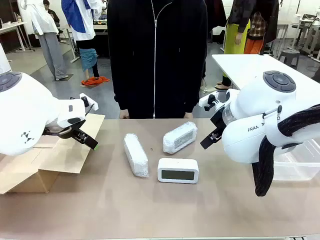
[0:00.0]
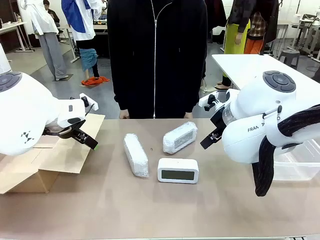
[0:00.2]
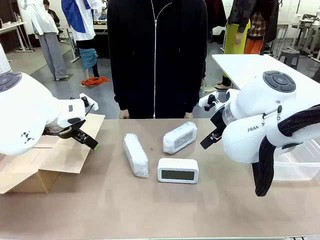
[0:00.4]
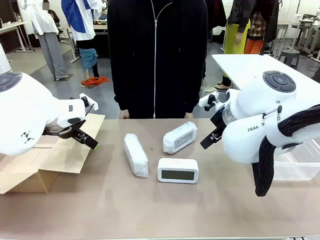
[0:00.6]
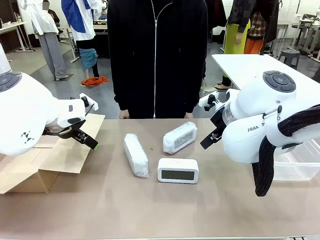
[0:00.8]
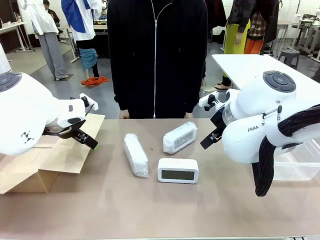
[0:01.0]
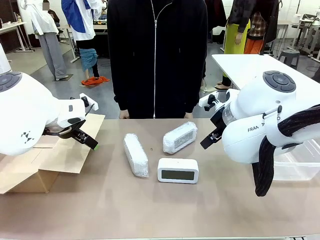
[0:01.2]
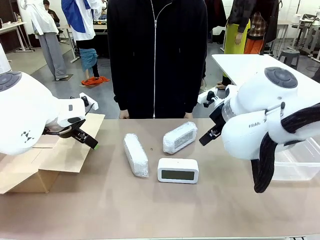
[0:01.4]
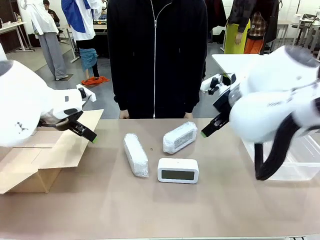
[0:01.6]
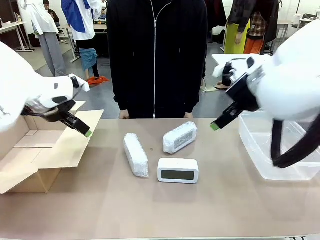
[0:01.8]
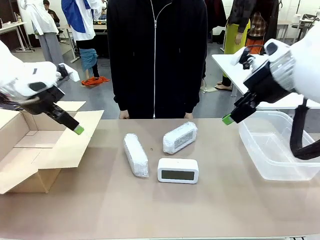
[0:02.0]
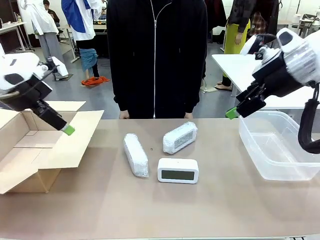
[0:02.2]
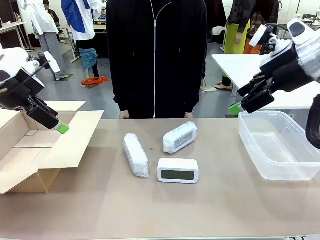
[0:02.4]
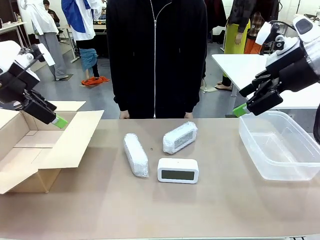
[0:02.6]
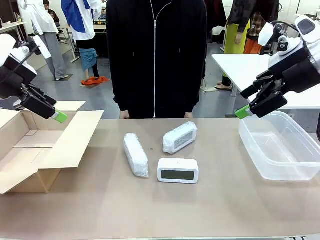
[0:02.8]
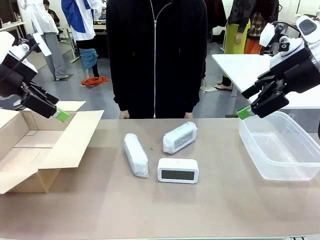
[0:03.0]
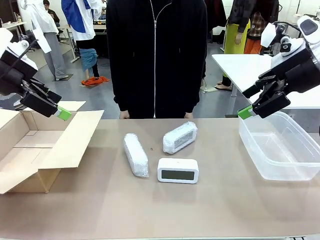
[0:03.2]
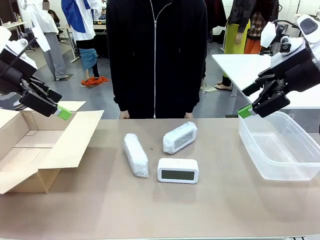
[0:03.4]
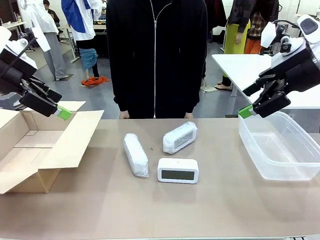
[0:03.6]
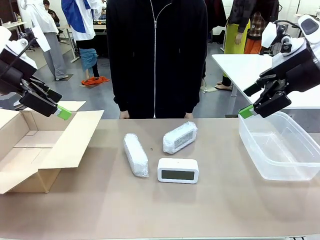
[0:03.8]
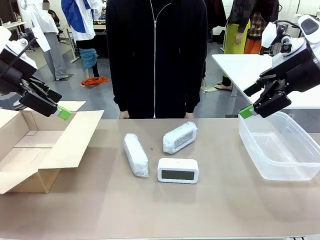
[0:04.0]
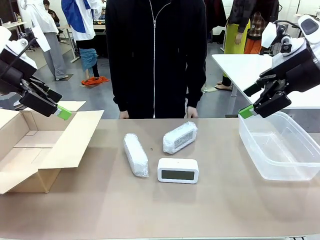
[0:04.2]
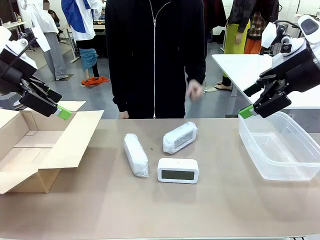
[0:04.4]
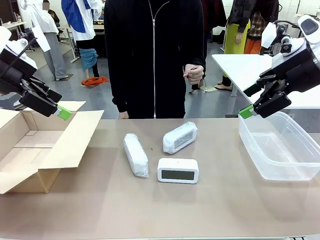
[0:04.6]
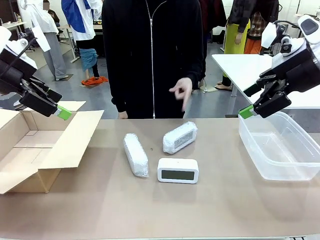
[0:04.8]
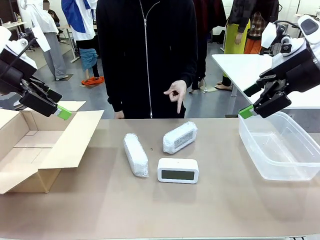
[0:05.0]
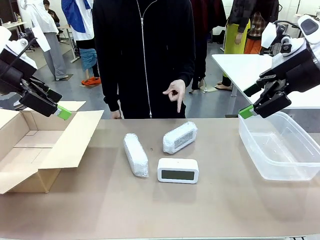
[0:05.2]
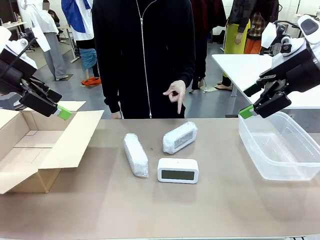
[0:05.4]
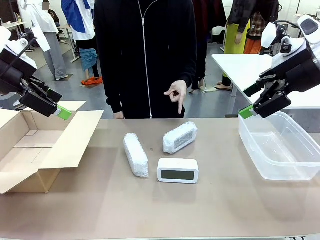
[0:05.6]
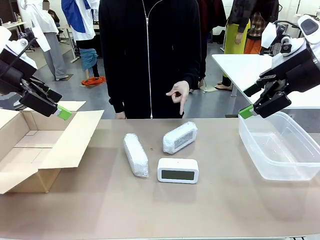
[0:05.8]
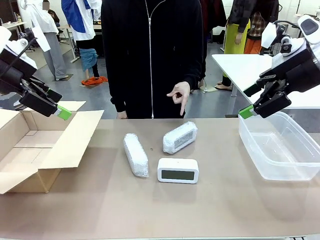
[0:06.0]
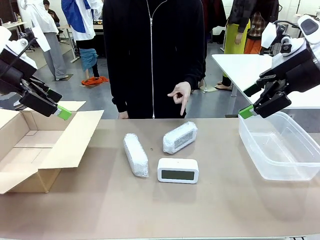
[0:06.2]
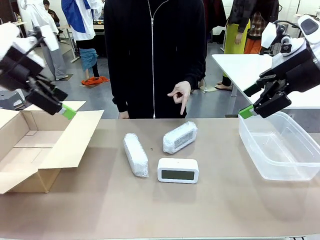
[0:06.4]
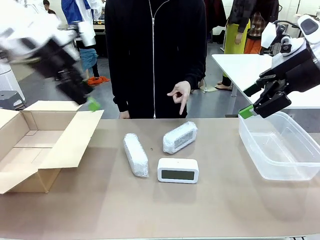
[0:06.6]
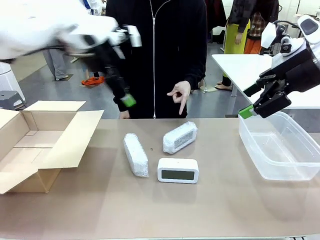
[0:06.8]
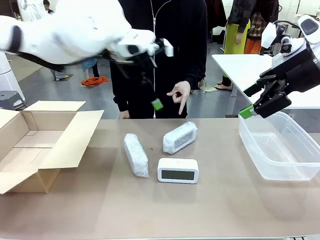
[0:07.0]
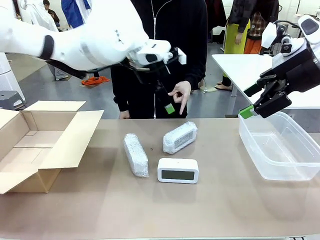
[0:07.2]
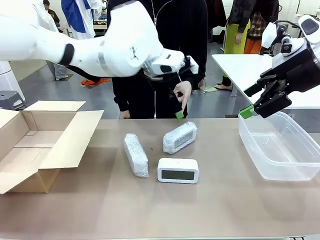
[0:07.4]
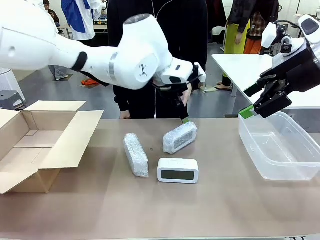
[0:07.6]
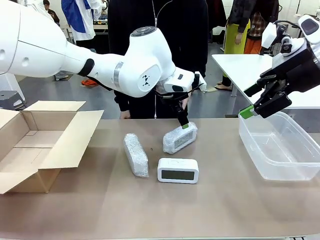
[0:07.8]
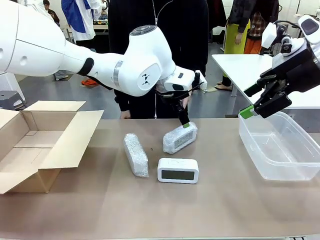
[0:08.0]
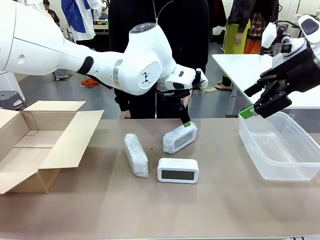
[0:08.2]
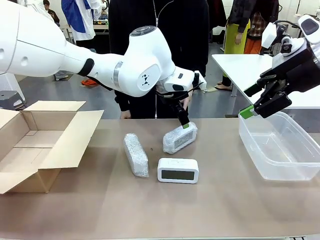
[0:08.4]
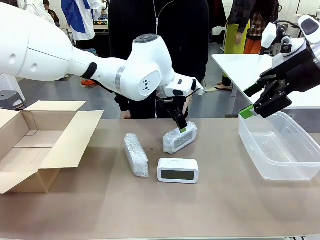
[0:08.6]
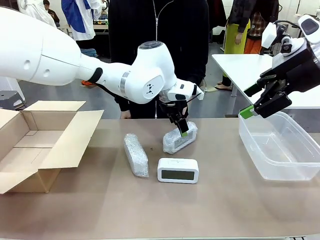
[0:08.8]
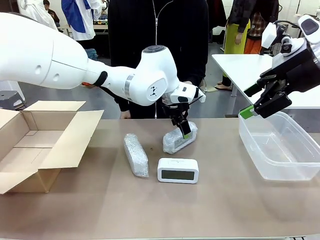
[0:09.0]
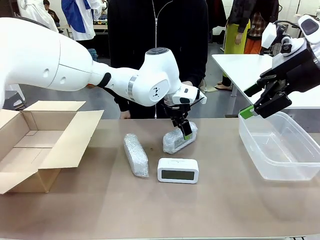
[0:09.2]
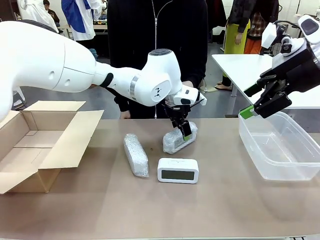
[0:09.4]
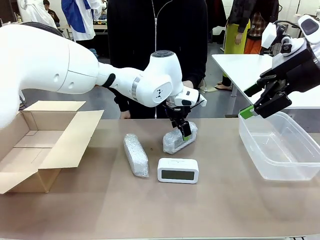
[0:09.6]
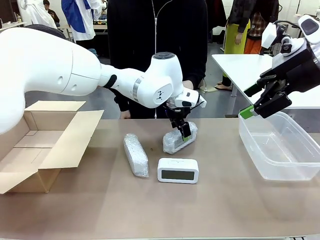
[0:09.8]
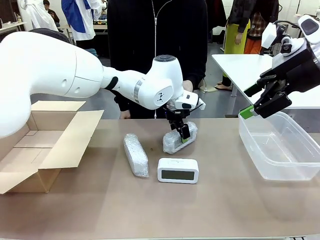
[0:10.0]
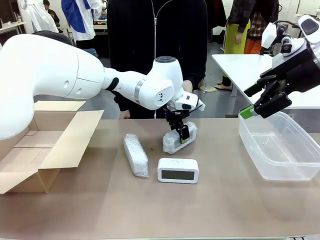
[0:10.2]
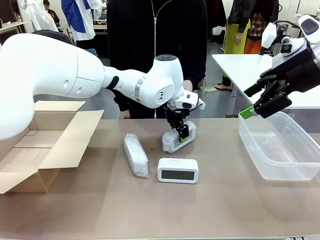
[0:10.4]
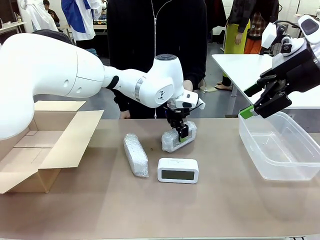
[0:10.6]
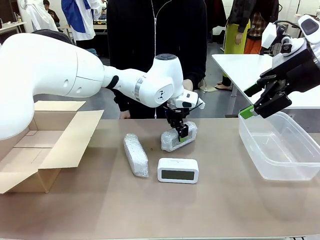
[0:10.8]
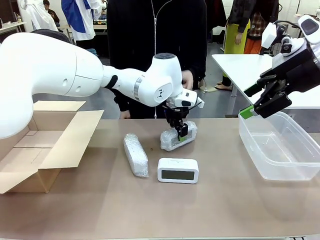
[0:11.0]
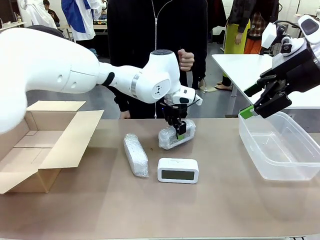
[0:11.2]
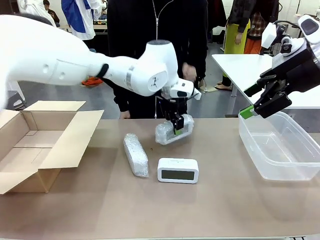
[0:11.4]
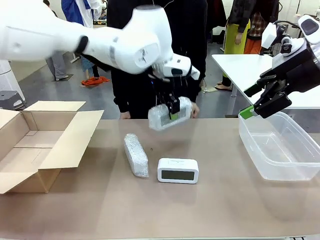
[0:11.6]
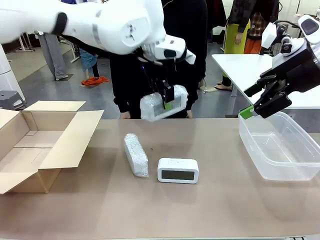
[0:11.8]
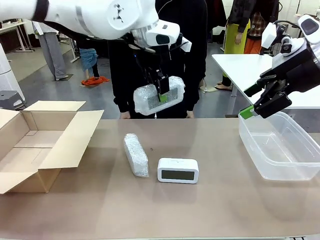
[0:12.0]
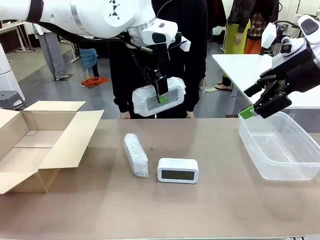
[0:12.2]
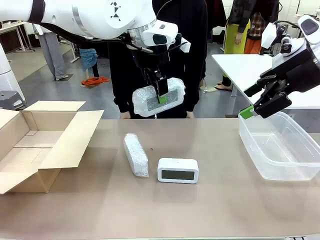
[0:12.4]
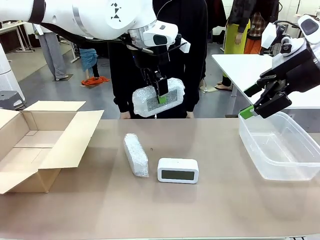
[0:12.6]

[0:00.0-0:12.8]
Task: Separate and place wrapped and unwrapped clocks.
Robot: Pick up the Digital clock indicated by the person.

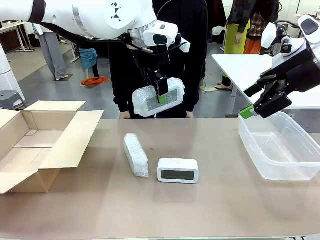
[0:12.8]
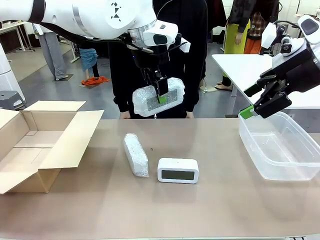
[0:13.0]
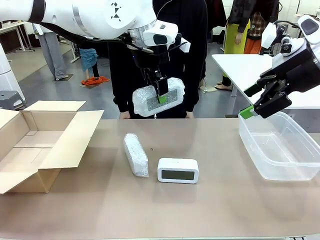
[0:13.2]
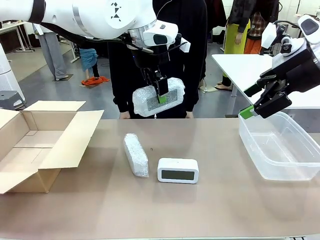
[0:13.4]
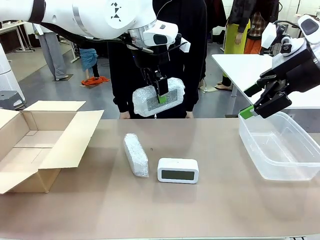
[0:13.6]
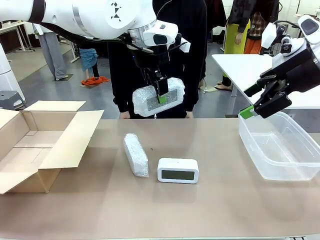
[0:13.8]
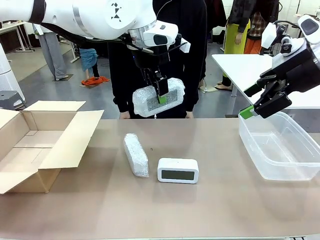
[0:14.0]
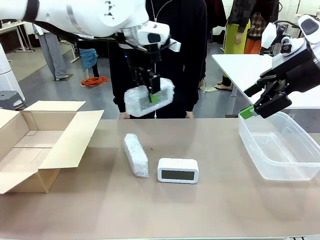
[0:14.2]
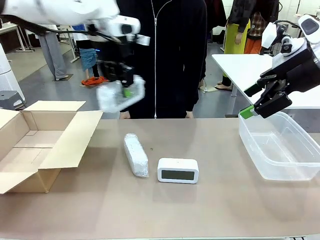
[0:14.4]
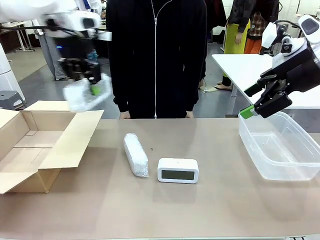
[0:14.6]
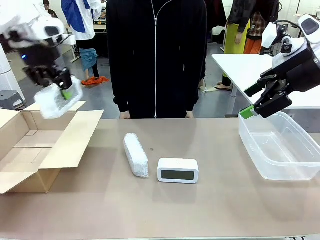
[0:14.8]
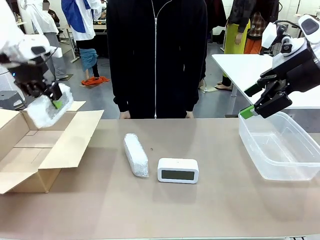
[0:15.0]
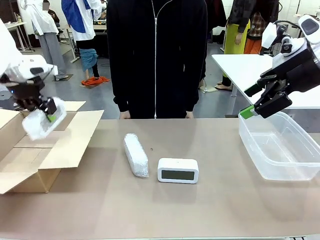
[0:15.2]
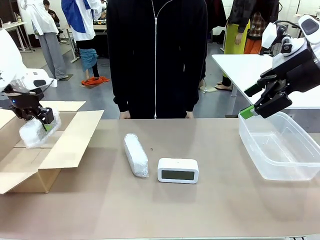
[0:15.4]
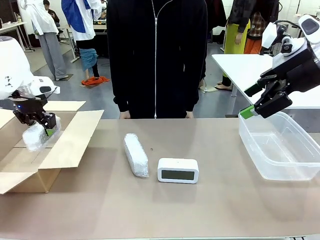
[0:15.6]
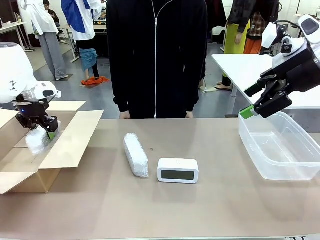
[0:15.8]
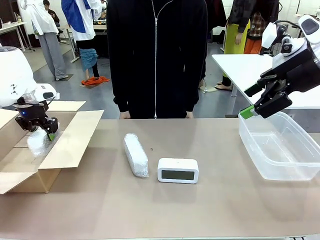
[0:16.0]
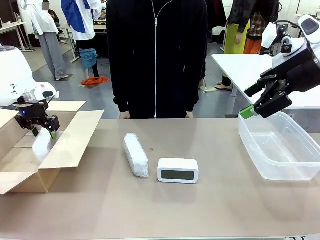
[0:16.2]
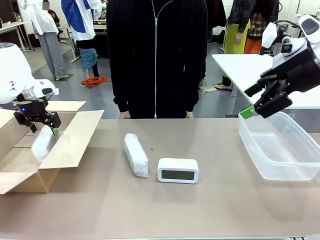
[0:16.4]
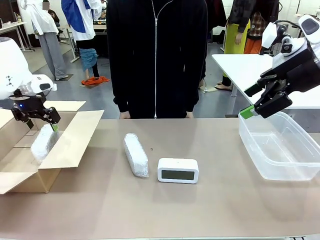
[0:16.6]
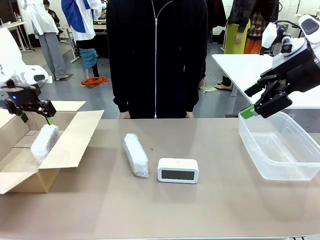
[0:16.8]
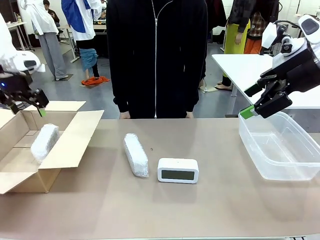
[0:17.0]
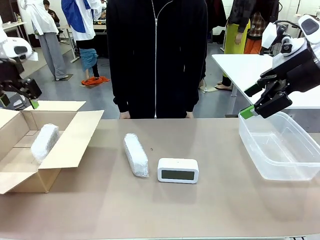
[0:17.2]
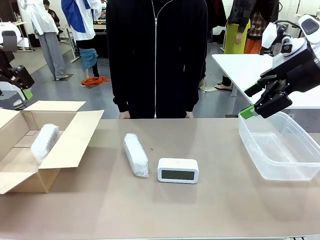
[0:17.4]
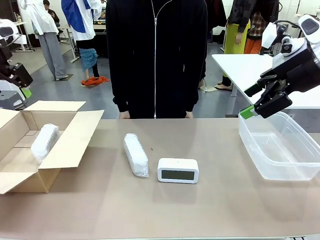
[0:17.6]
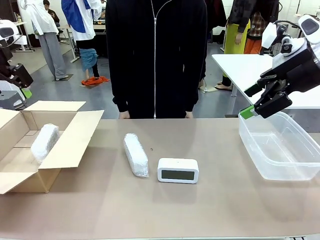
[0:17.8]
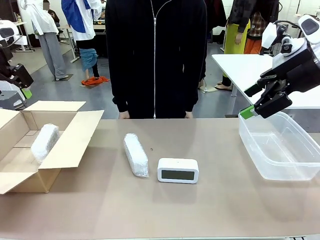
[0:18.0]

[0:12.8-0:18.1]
Robot: If the picked Digital clock is wrapped, place it in the Package Box ; if not, place it in the Organizing box.
